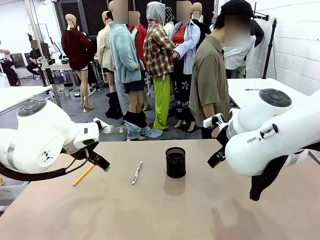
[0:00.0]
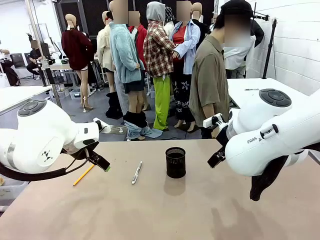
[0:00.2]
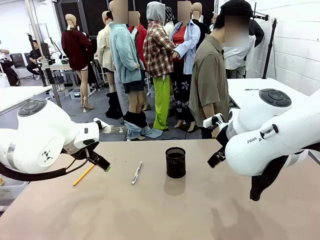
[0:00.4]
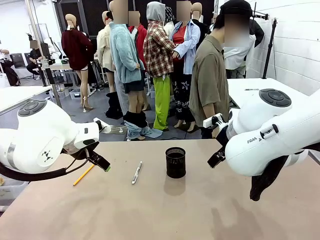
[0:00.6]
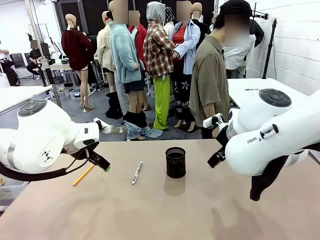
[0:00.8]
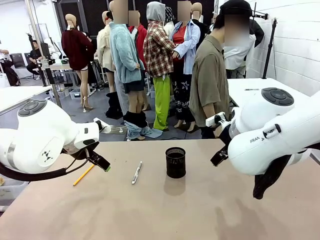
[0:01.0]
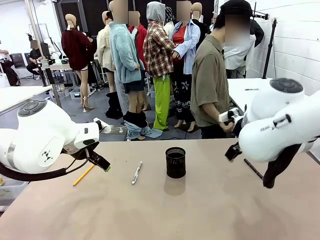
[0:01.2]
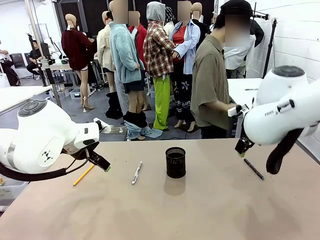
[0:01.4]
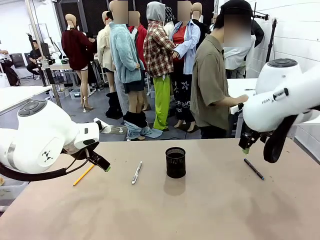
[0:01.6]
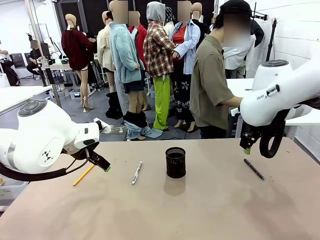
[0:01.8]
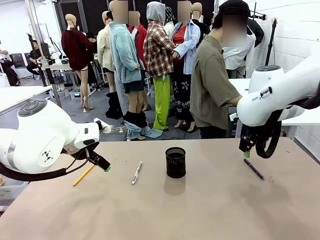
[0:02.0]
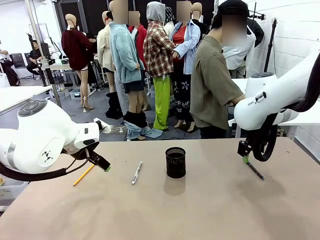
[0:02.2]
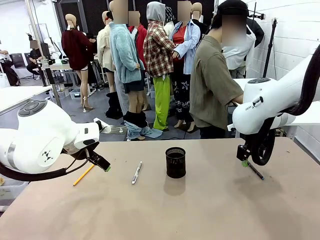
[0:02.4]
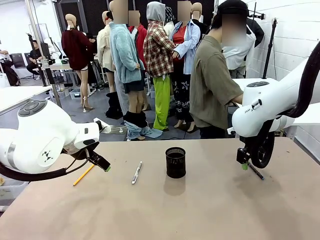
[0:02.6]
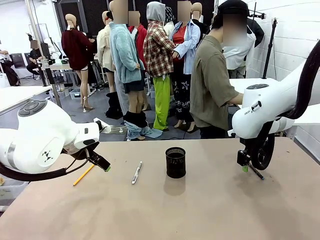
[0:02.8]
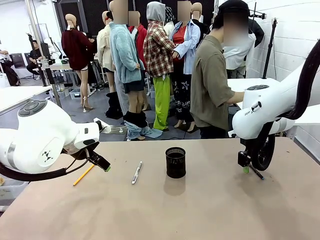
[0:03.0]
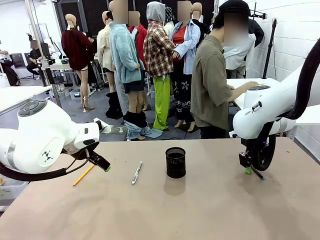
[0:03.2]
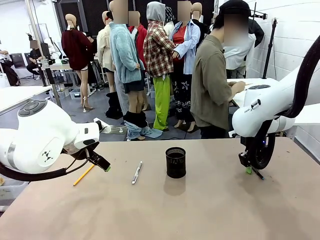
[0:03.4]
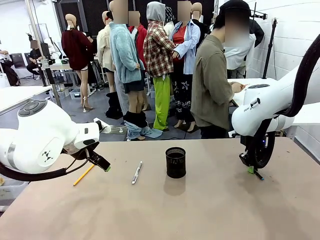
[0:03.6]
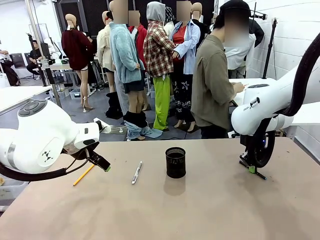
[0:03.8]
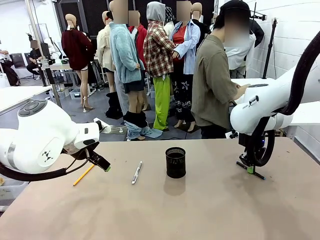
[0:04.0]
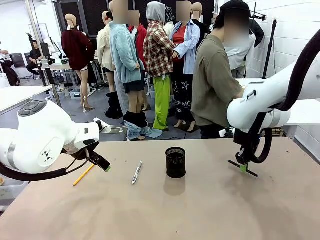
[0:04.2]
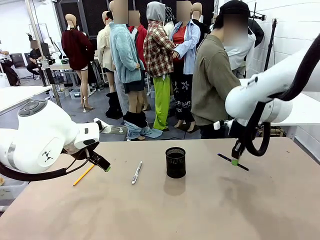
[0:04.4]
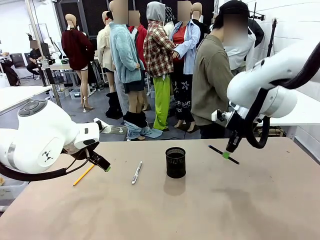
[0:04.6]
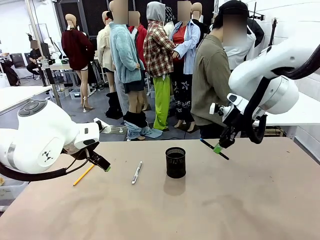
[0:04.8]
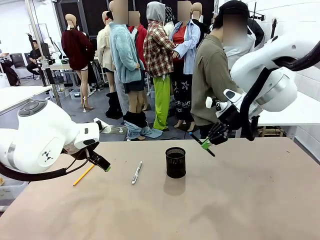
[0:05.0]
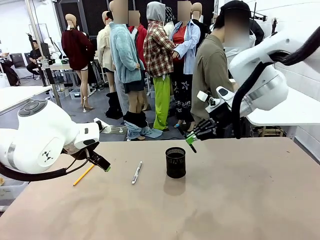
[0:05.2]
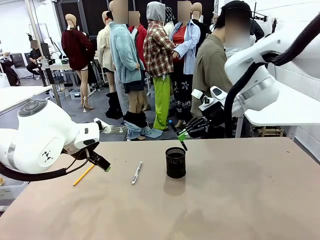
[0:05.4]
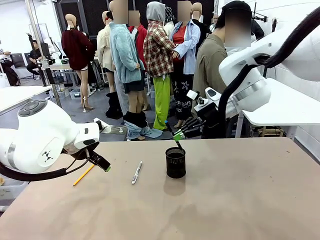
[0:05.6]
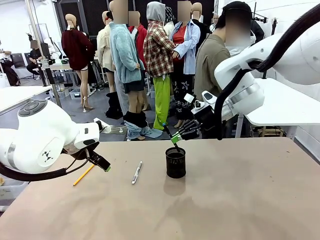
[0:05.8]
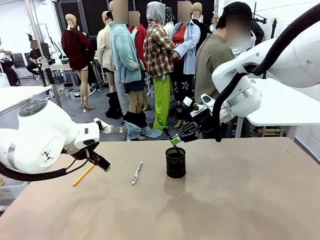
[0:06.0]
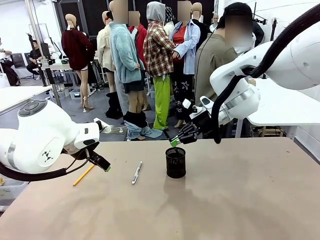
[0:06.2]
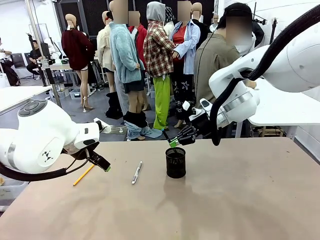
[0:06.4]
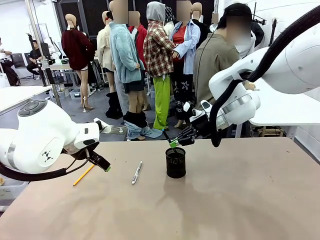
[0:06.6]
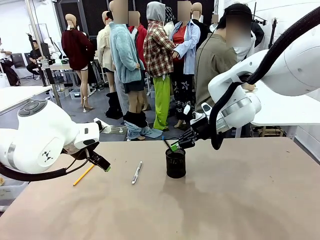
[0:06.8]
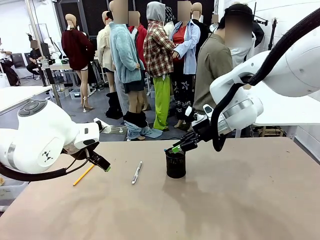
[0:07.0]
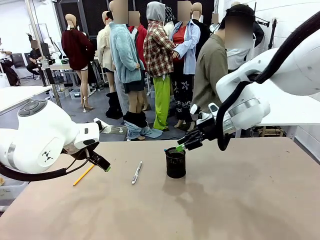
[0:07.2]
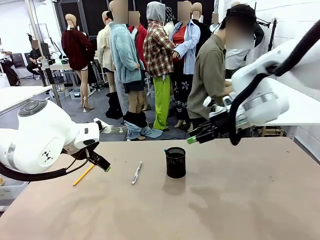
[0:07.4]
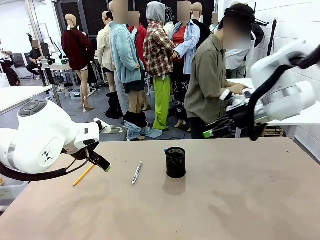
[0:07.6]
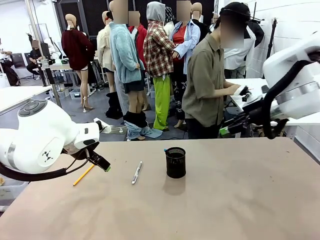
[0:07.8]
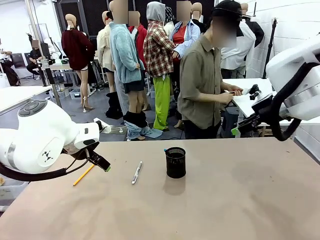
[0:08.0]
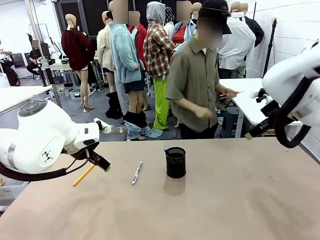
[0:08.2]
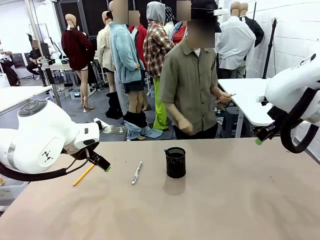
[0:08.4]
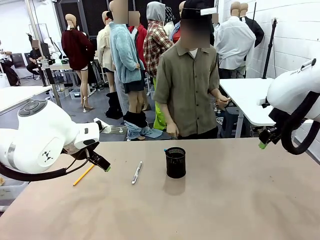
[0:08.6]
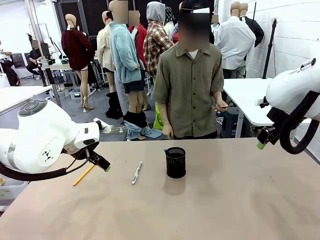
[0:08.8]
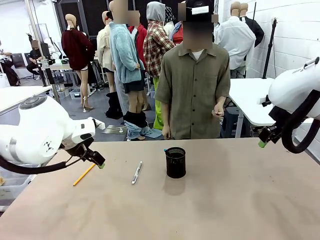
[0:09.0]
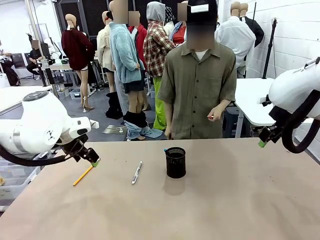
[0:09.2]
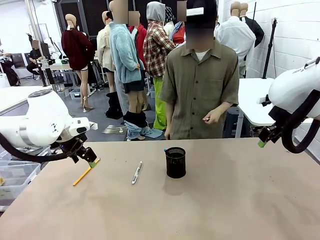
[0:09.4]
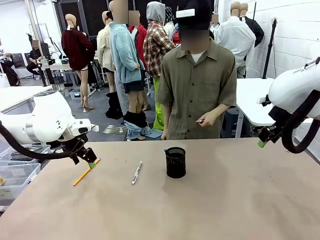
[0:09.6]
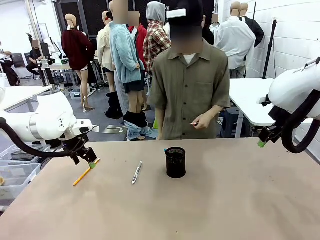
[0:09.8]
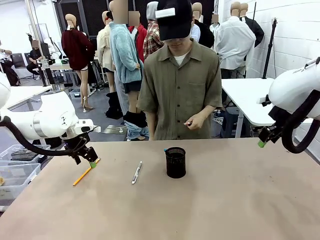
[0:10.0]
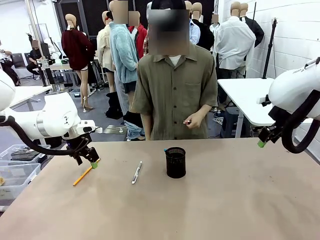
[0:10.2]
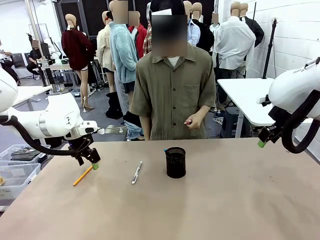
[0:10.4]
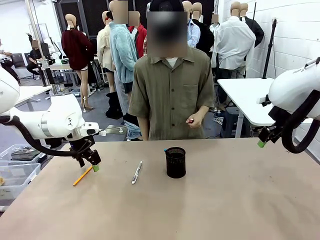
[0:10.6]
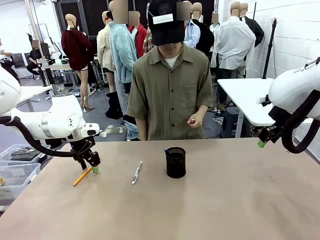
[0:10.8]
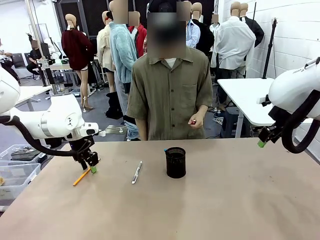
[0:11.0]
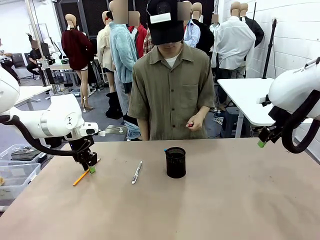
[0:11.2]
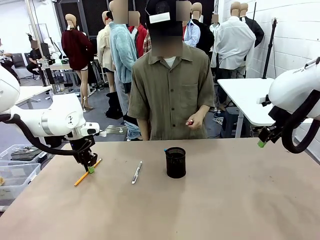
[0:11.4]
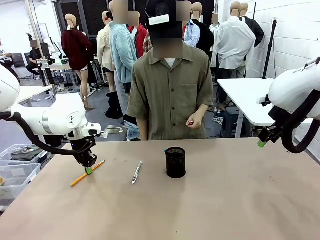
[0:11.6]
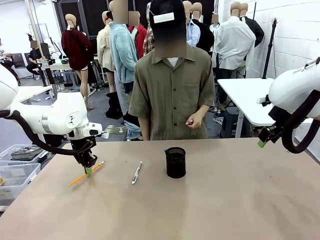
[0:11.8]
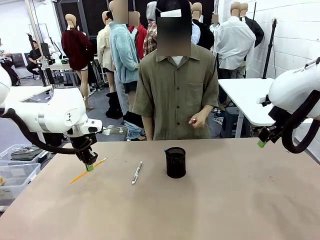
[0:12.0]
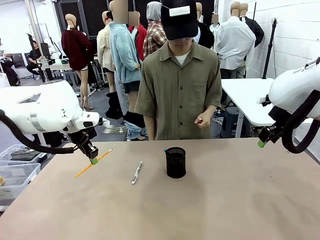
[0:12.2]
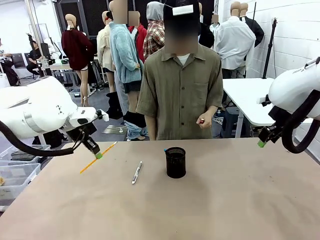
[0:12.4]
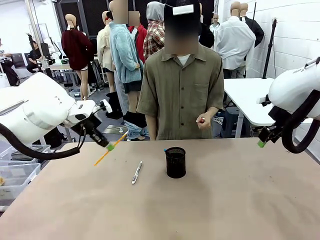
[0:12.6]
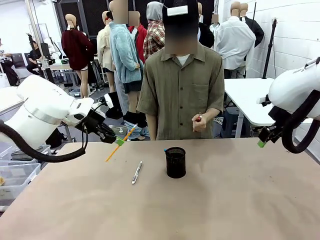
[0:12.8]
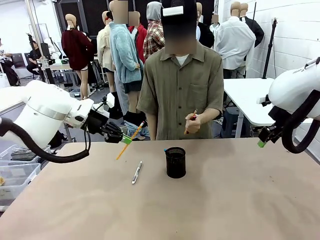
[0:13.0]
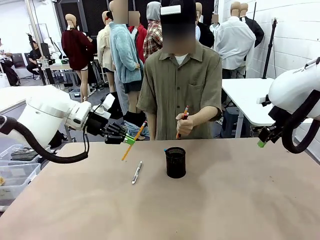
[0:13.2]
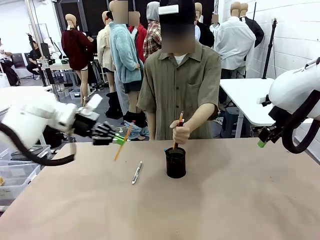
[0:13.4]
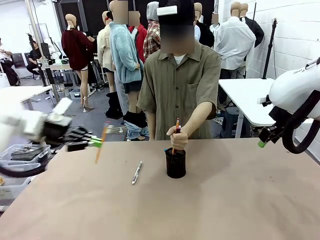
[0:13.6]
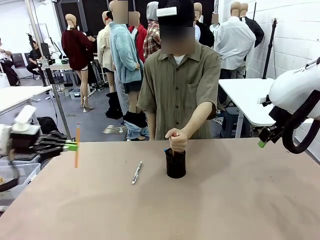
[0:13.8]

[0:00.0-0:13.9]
Task: Place the pens into the pen holder.
Robot: Pick up a writing instrument from the table and place it into the Pen holder.
Person: Pick up all writing instruments from the Human table.
